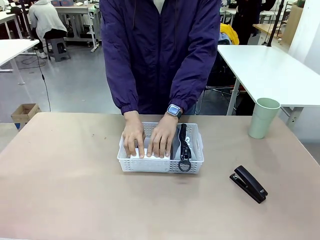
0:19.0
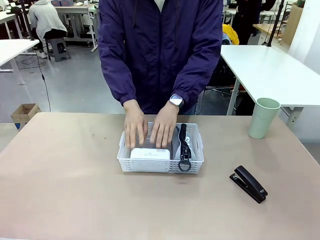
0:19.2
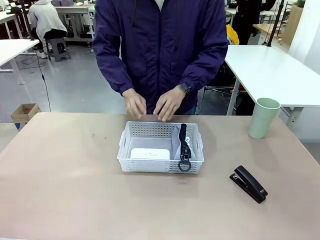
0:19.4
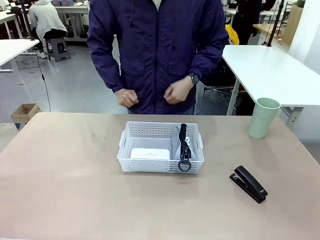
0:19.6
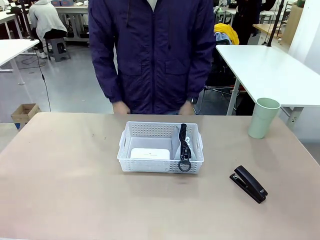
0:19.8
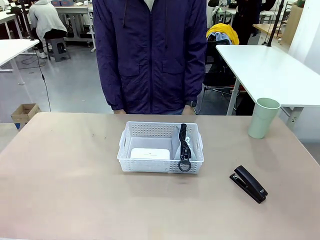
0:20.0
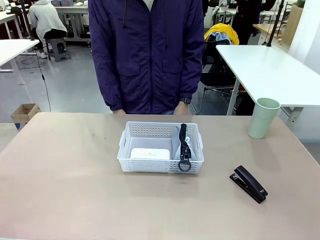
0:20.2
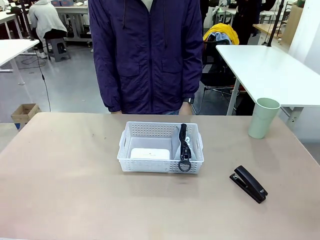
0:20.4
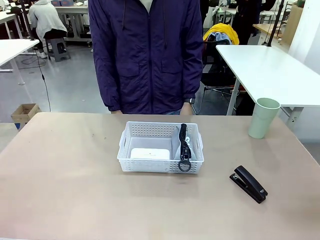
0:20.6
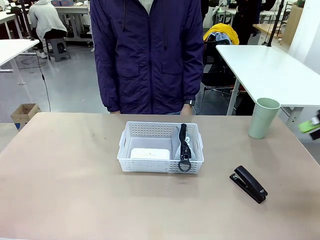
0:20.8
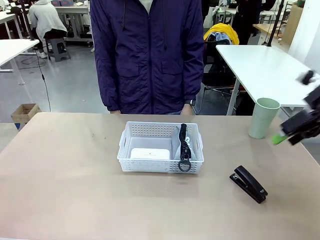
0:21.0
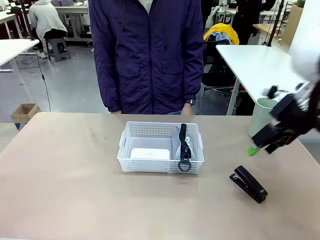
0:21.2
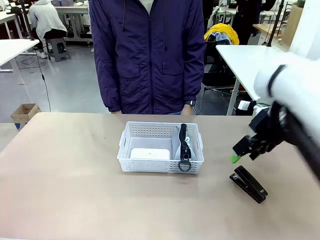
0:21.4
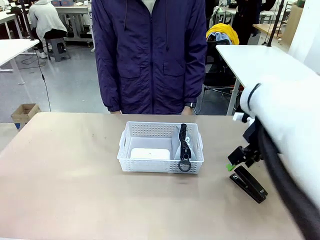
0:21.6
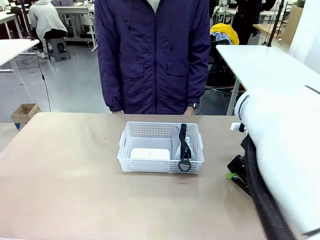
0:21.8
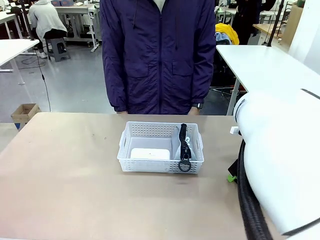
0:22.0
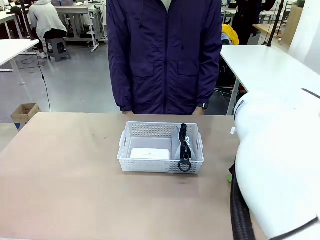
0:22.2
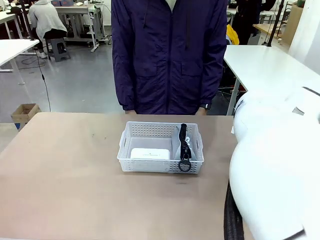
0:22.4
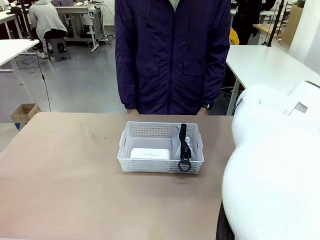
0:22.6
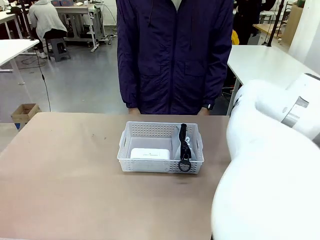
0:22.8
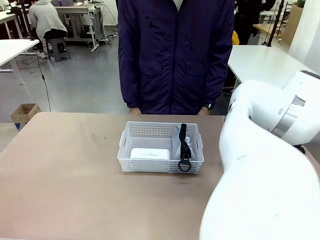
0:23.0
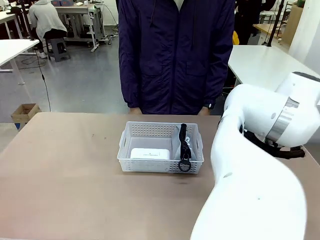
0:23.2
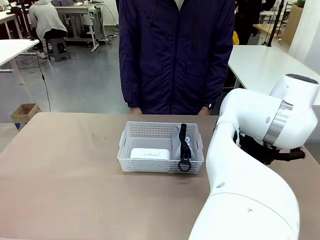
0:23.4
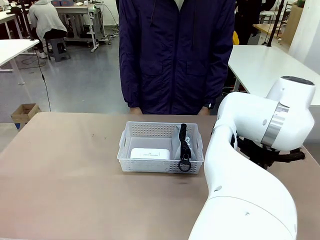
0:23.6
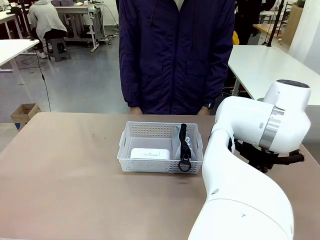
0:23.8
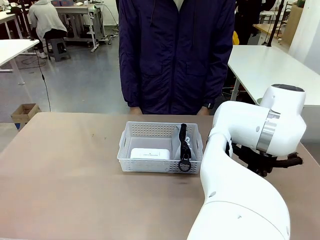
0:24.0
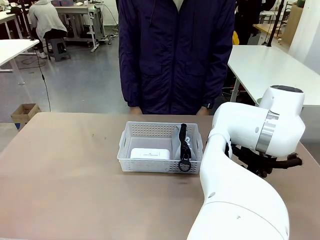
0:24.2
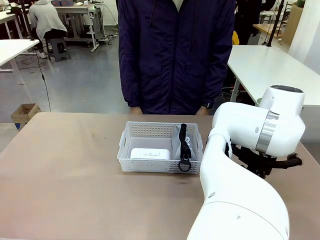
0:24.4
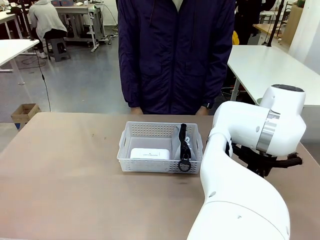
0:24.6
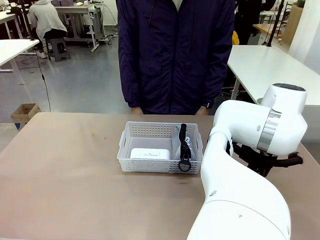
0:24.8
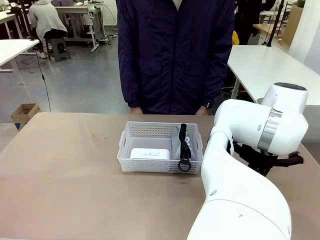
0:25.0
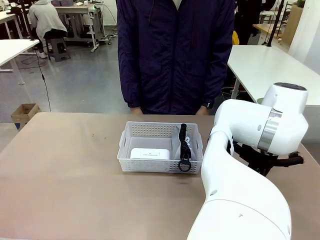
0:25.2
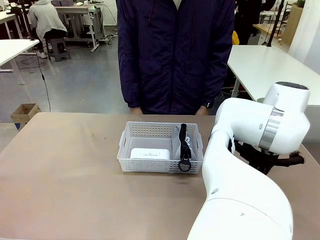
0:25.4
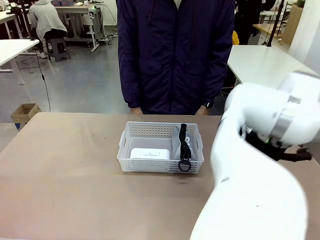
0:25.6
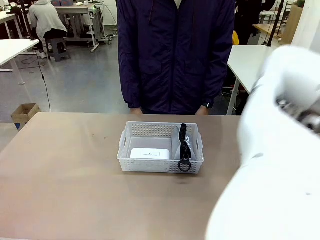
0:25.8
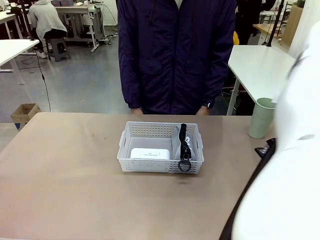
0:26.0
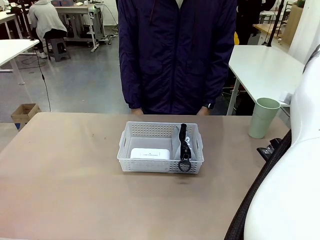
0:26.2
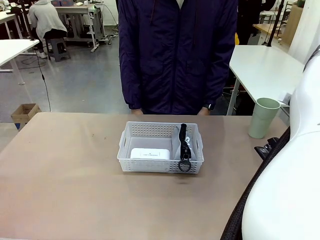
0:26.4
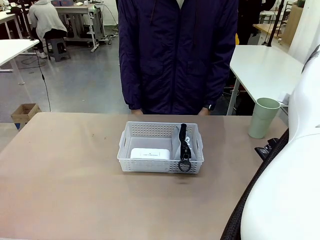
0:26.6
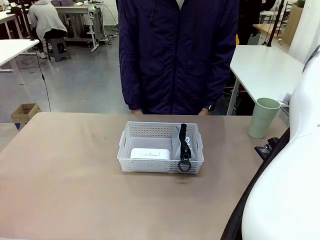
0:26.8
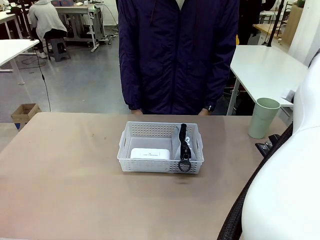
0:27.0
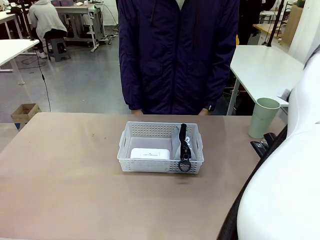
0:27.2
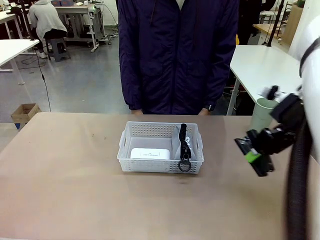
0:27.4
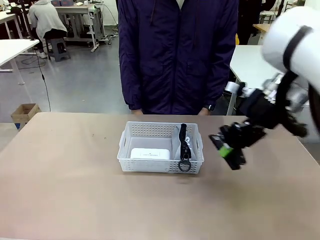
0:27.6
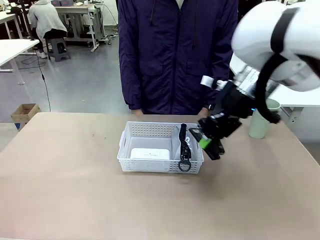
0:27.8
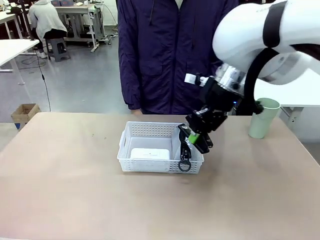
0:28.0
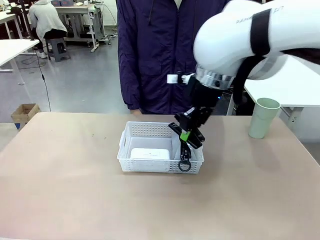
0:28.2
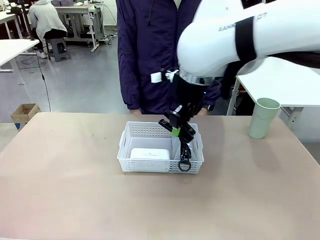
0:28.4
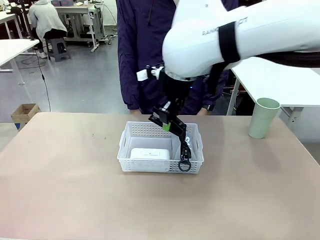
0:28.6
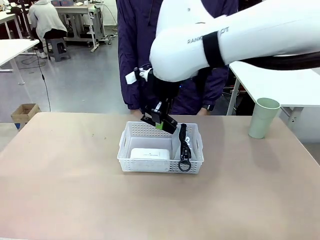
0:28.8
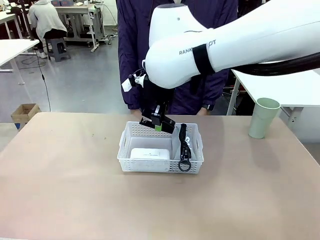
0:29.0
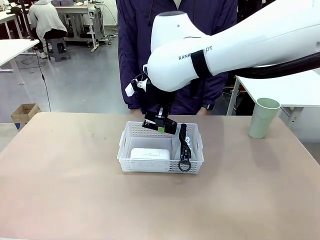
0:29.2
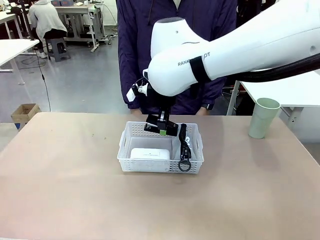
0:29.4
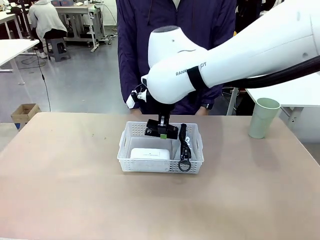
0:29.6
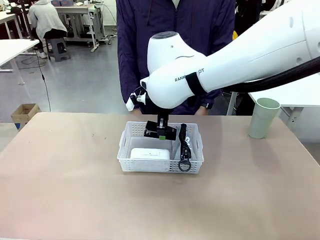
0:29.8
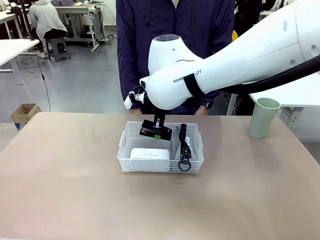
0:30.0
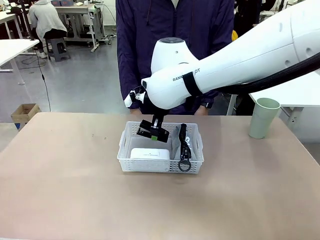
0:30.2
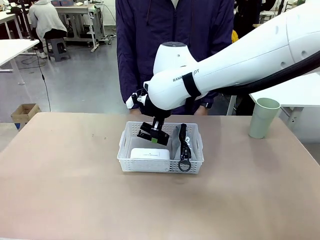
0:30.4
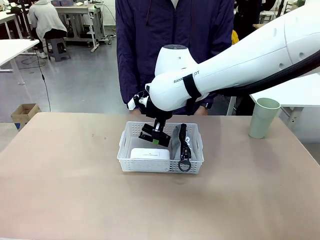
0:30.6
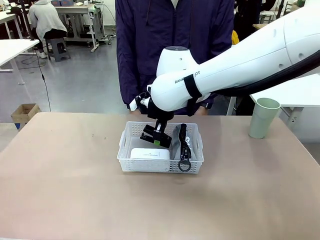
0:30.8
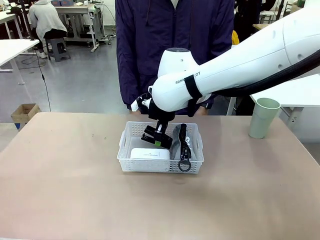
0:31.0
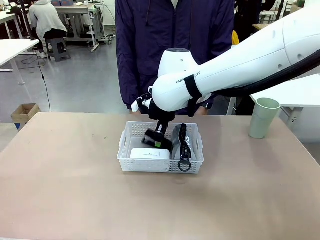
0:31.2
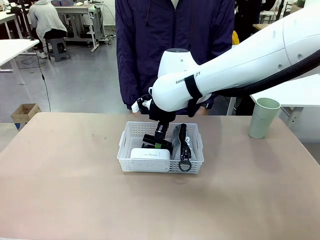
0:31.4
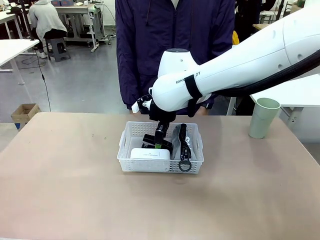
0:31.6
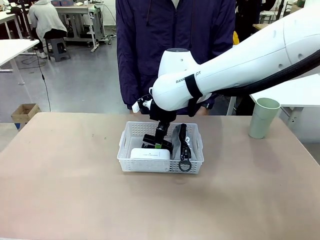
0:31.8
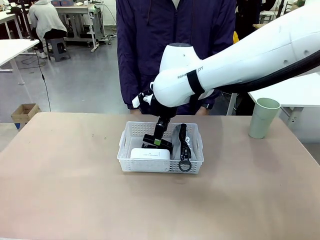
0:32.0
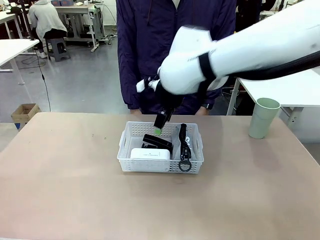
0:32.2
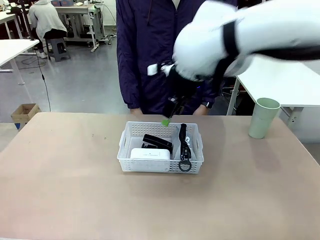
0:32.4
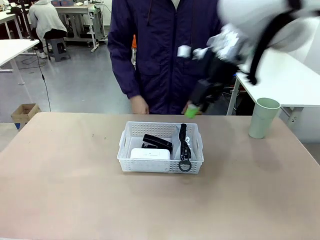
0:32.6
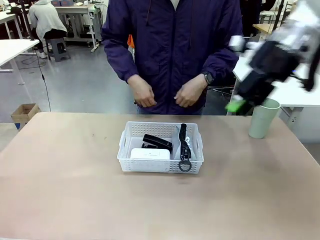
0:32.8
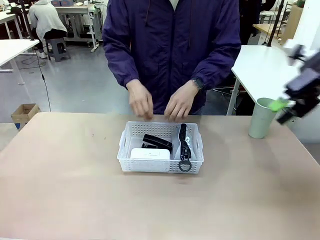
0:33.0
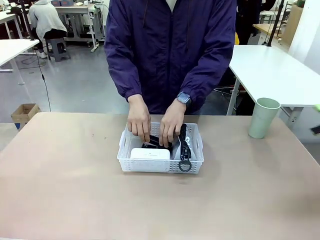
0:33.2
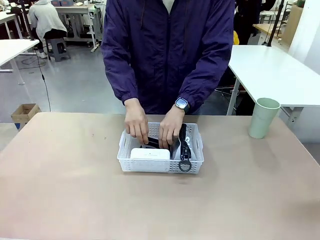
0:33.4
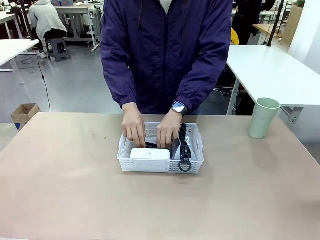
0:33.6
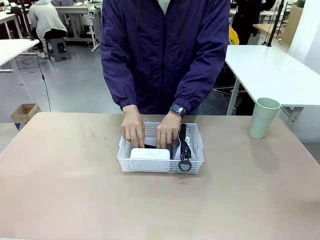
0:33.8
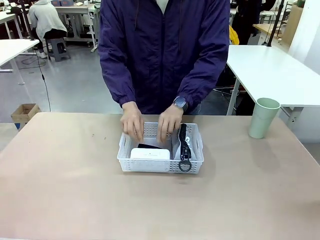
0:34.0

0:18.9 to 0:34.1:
Task: Efficiently arrange items inside the basket to fit them all.
Robot: Pick up the Stapler and place it inside the Organizing basket.
